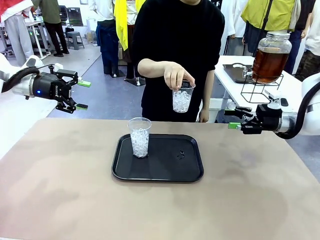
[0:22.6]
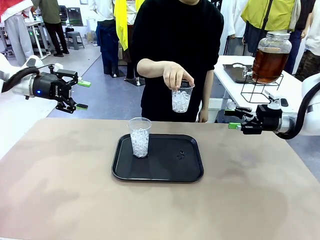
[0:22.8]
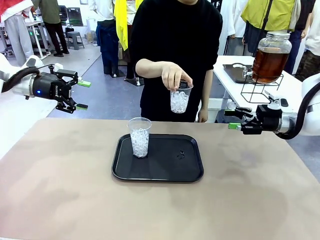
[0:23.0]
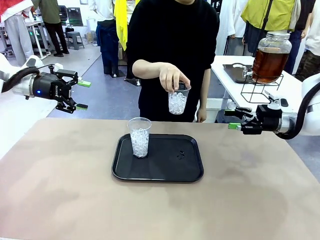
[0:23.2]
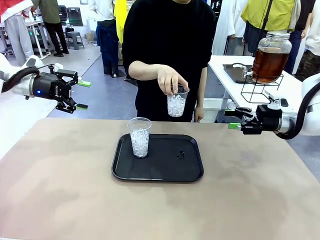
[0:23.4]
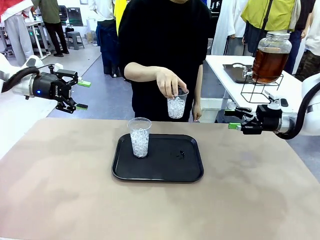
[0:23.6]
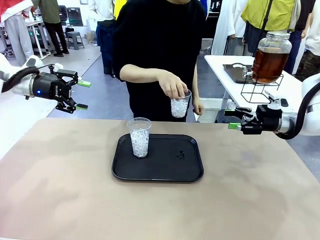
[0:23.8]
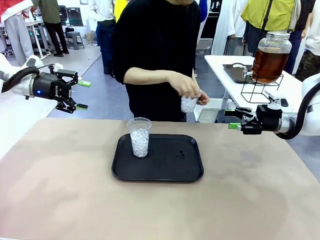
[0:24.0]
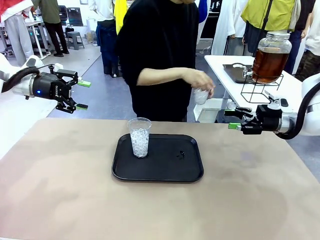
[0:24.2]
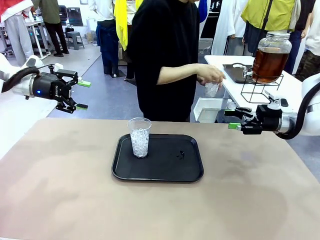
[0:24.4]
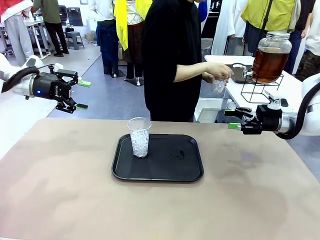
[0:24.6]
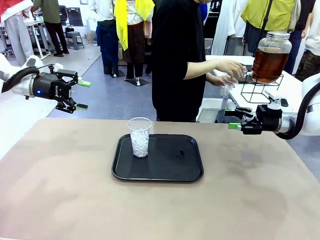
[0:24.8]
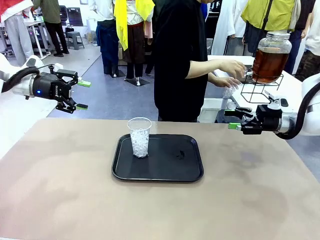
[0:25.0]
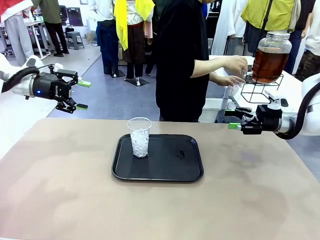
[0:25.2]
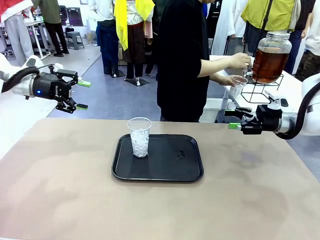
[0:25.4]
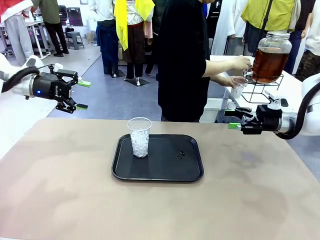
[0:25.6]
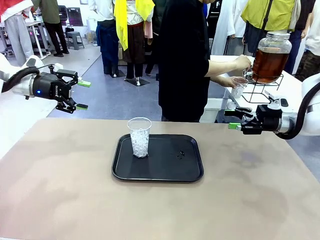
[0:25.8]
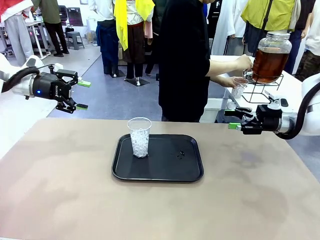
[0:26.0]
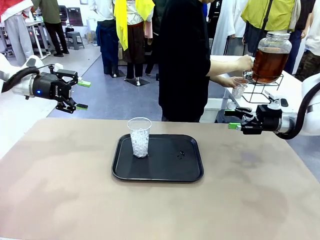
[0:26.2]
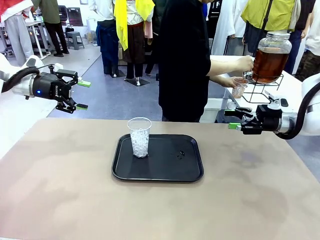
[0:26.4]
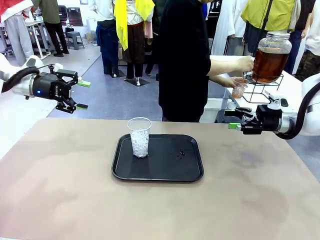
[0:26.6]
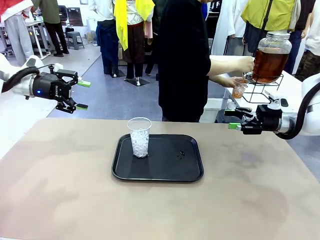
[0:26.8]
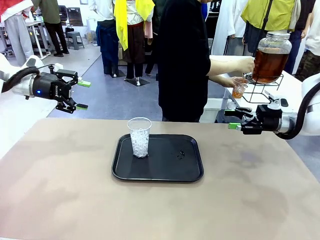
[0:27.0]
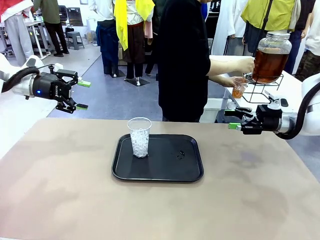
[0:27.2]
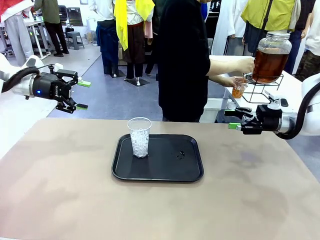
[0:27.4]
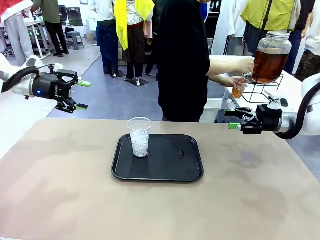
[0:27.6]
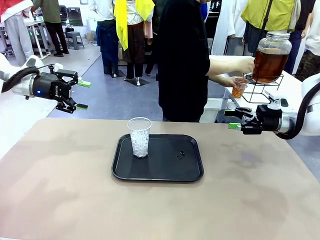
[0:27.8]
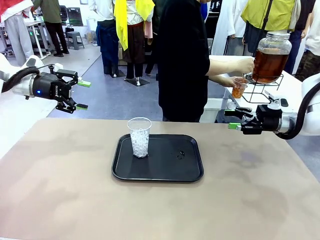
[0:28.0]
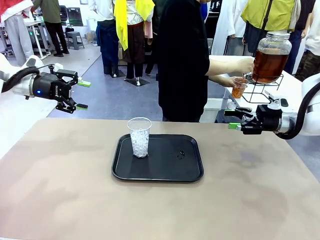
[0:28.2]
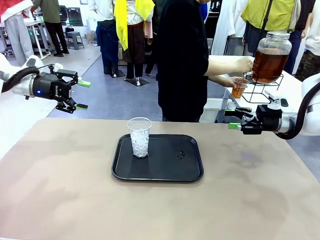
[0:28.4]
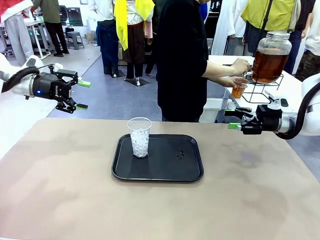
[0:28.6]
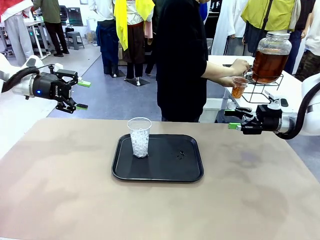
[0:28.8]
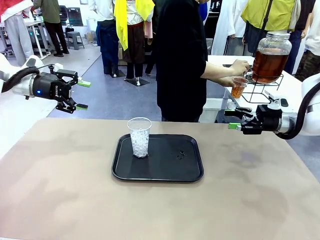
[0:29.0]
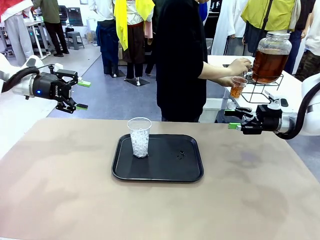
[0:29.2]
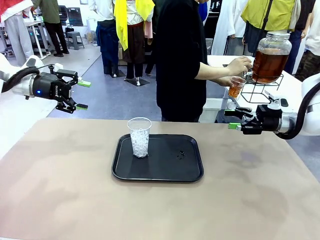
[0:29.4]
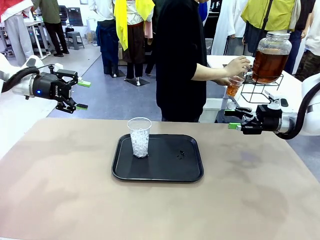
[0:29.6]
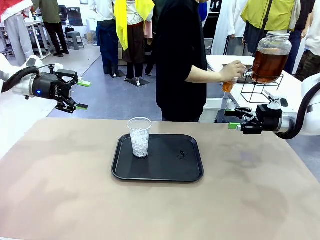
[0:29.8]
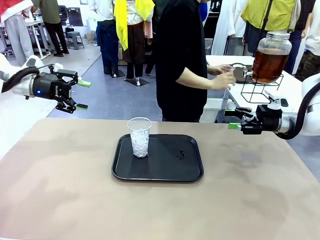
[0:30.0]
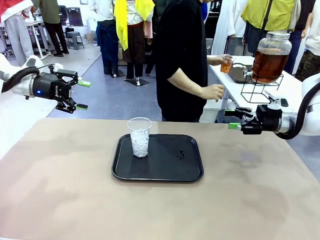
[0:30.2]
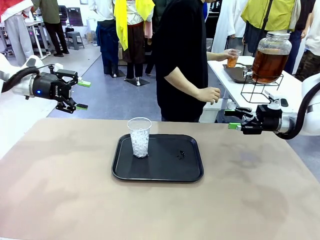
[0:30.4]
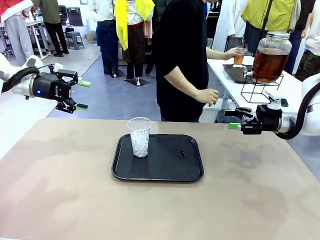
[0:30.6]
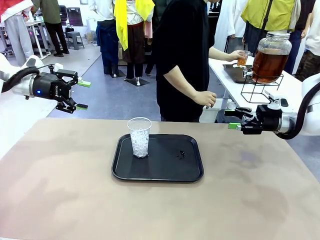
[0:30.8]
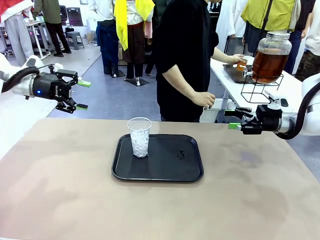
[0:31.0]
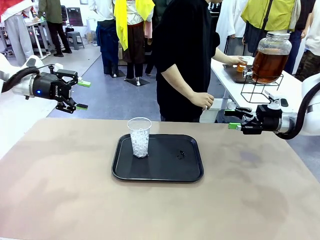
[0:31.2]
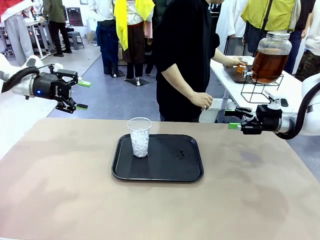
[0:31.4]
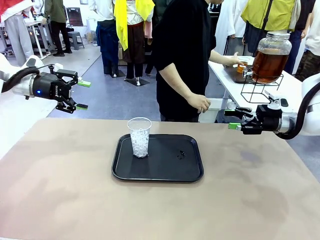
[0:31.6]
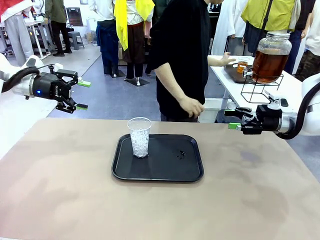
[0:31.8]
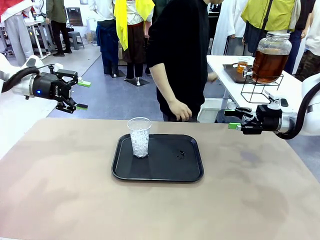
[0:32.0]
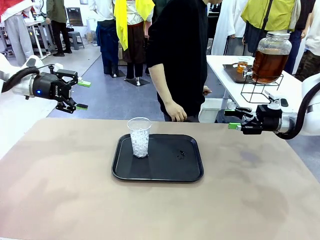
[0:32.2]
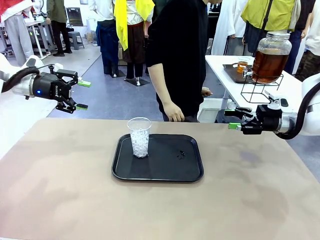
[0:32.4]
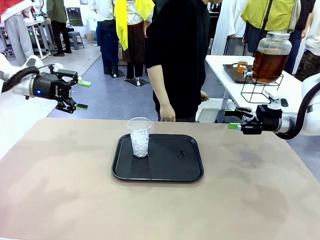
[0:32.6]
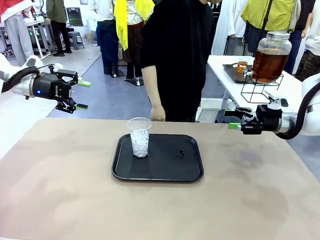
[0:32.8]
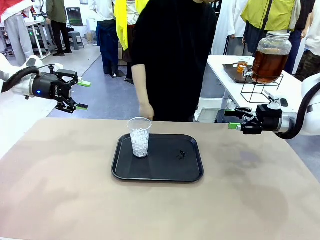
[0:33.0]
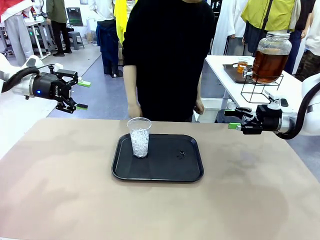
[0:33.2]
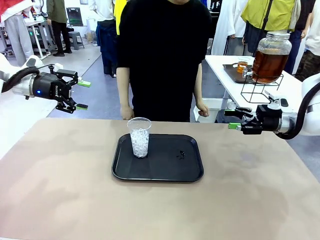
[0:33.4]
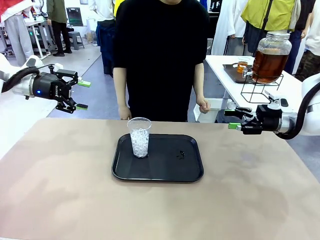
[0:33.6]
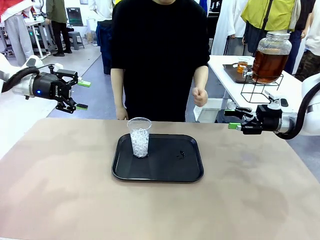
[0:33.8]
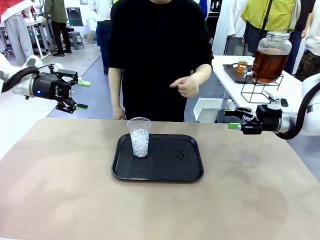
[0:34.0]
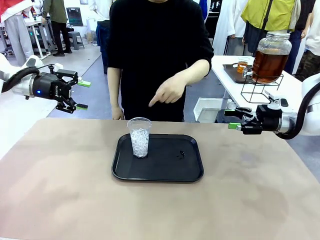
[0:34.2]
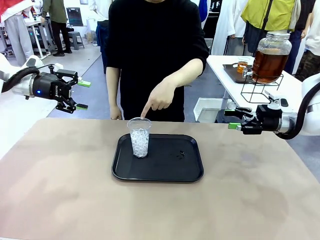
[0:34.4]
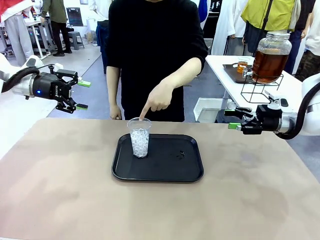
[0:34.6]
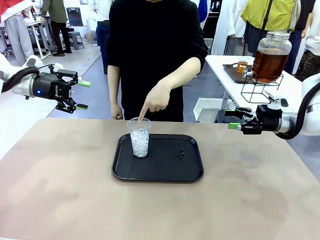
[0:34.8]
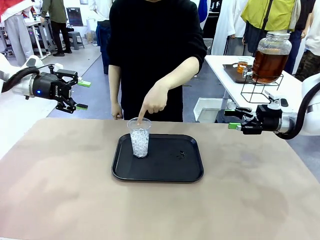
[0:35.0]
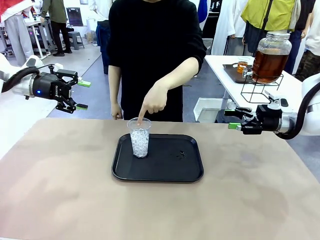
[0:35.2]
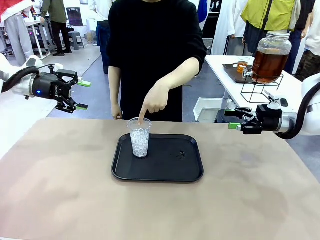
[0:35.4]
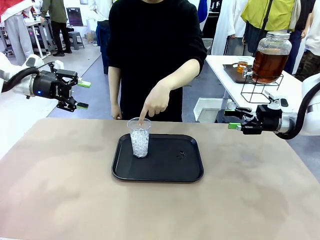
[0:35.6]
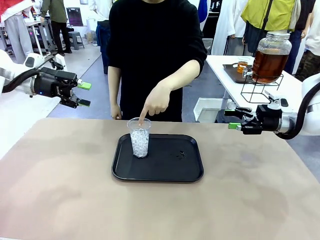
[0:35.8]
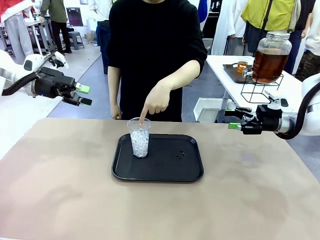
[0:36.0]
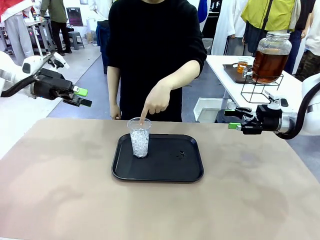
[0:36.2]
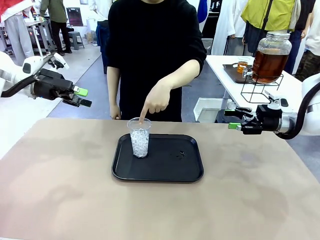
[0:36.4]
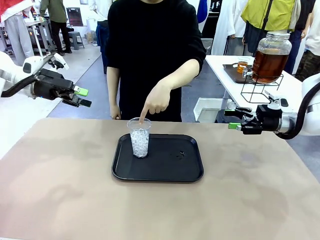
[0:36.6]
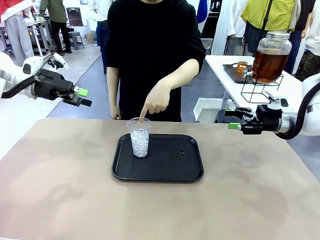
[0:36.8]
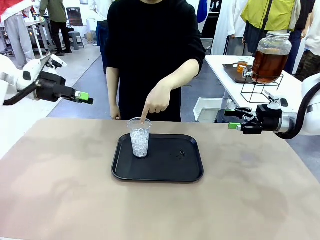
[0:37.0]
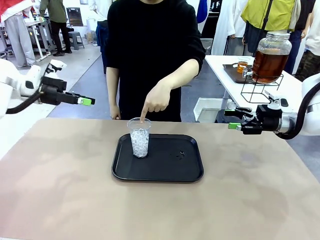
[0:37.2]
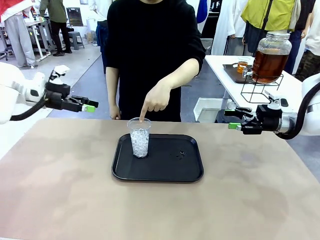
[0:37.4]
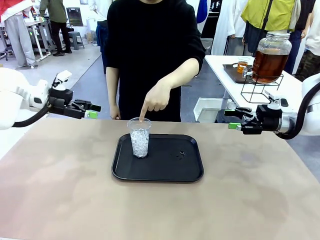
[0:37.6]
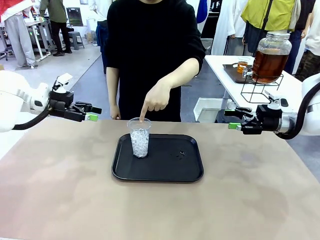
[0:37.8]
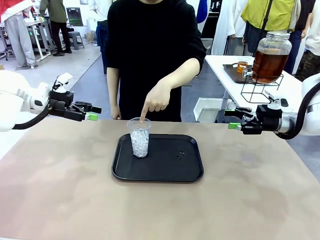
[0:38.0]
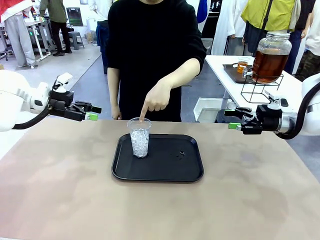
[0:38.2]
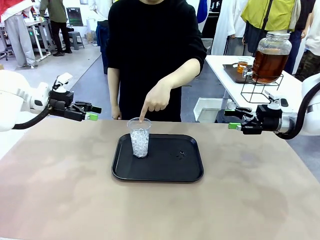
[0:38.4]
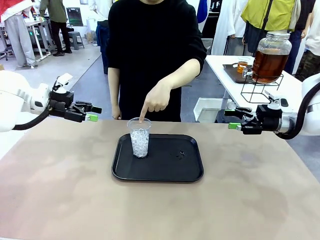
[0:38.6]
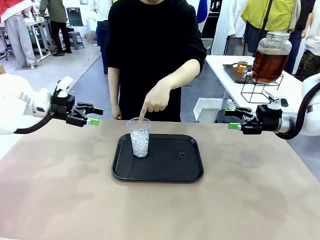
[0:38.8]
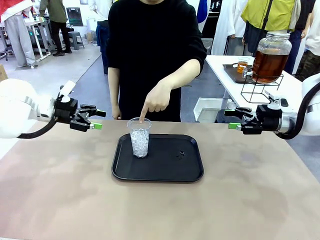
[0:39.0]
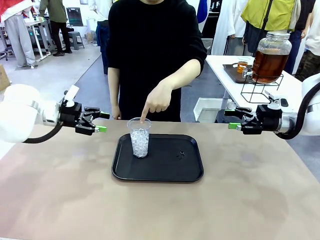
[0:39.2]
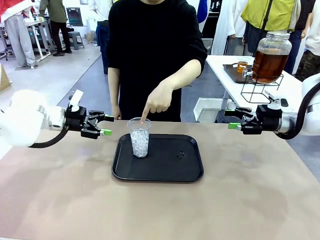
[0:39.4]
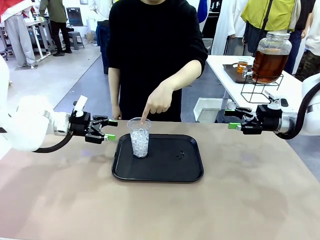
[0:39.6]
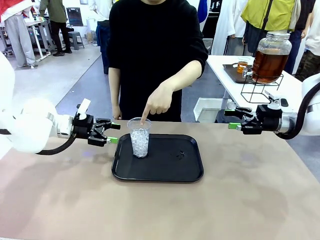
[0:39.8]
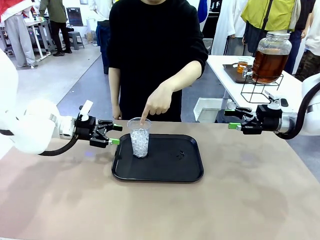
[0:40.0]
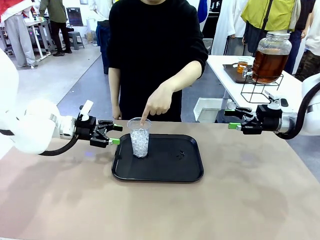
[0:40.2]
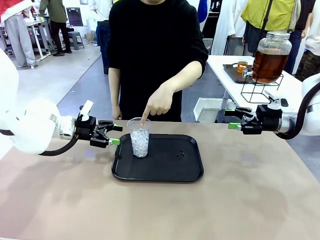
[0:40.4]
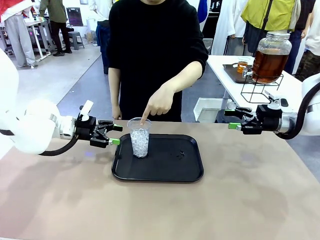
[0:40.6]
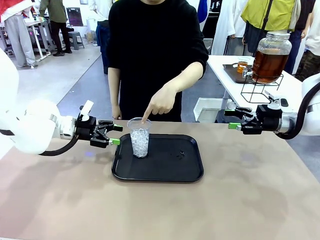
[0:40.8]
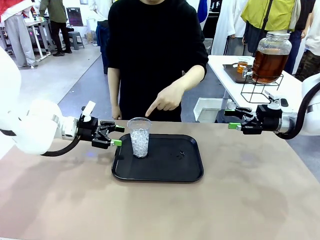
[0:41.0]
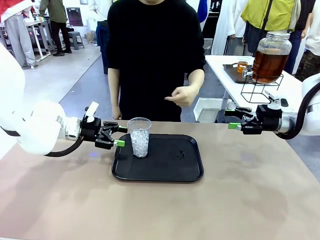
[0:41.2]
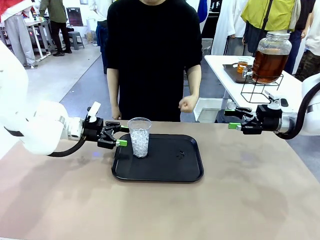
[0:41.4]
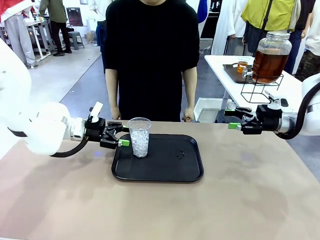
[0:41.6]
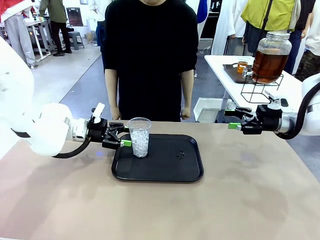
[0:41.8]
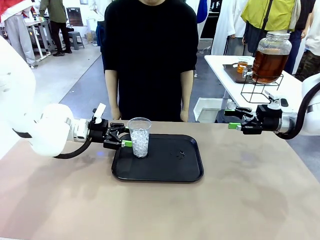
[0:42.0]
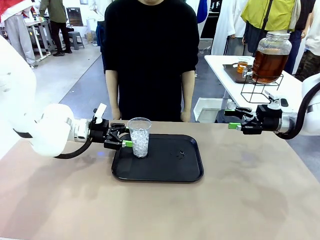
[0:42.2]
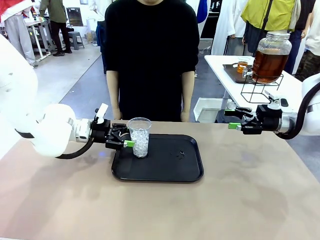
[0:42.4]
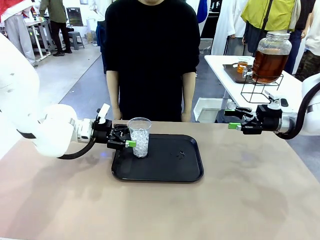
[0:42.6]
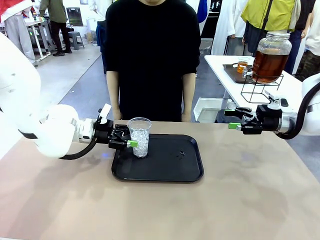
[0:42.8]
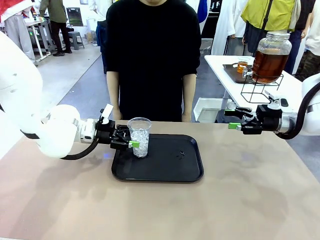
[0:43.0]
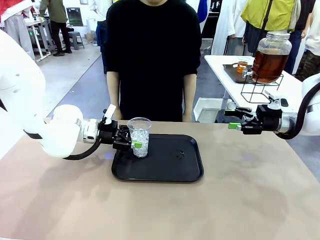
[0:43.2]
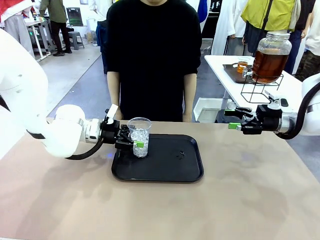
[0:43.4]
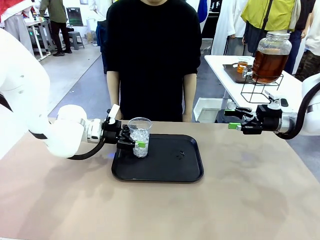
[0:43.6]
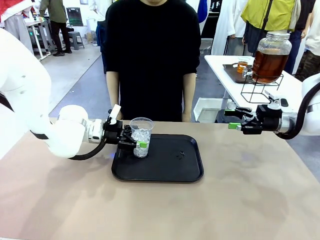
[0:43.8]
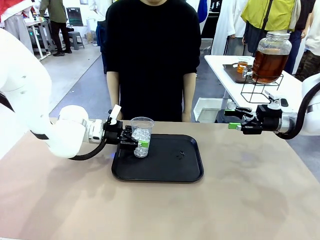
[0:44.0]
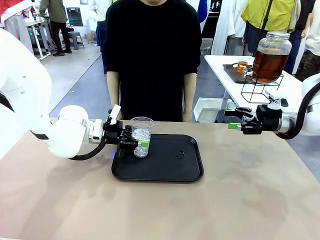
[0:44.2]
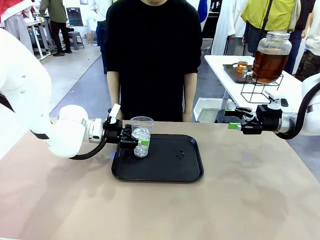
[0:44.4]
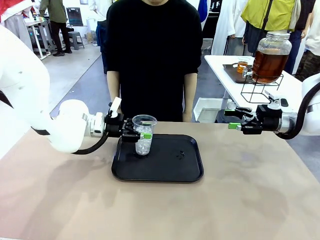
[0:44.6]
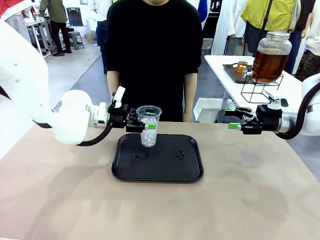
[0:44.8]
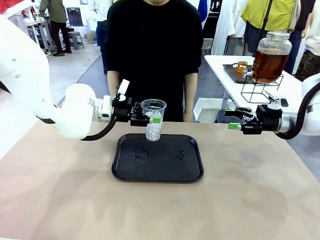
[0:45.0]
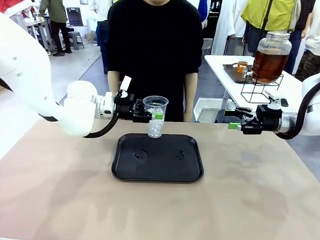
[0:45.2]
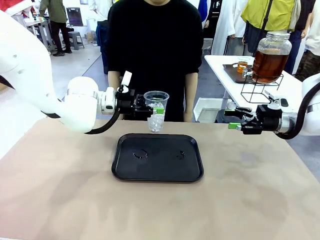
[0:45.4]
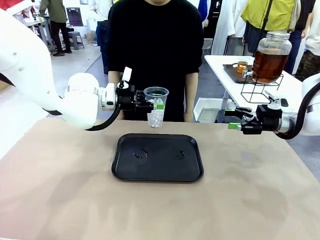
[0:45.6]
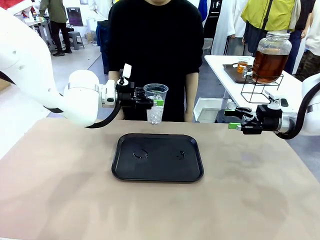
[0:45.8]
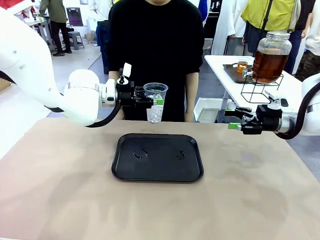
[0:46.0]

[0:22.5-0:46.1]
Task: Pour the drink into the iced cup.
Robot: Pick up the iced cup indicated by the human and present it to them.
Person: Move the picked-up cup under the dispenser faucet, pour the drink, and place it on the tray on the human table. Point to the remaining ice cup on the robot table. Pick up the cup offered by the robot.
